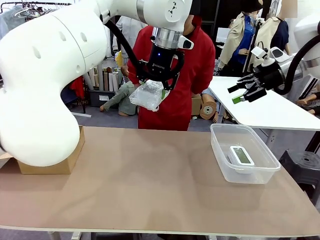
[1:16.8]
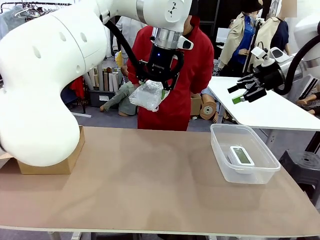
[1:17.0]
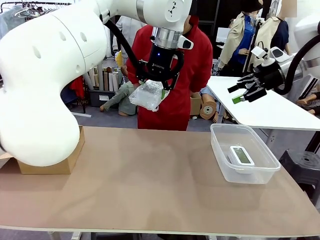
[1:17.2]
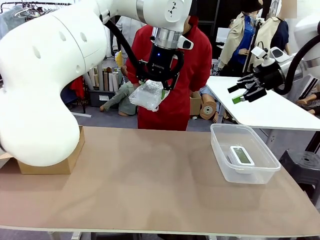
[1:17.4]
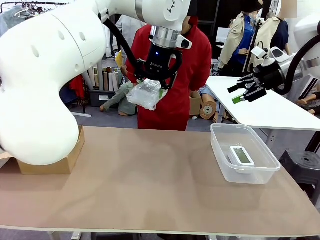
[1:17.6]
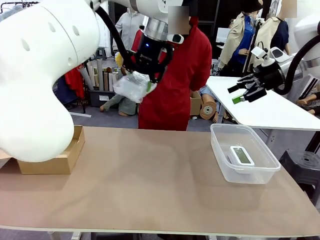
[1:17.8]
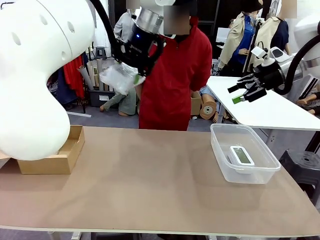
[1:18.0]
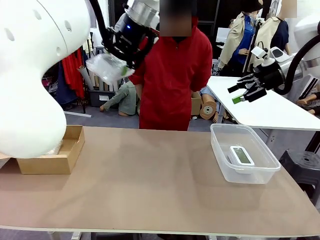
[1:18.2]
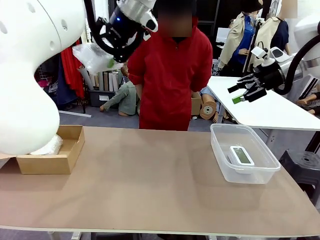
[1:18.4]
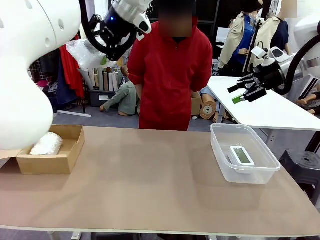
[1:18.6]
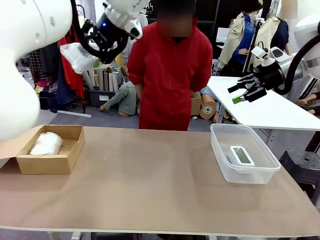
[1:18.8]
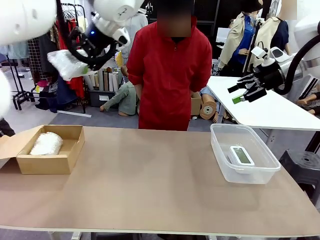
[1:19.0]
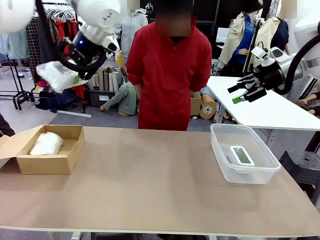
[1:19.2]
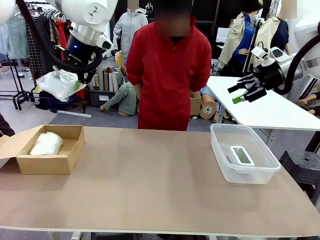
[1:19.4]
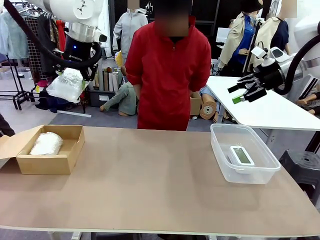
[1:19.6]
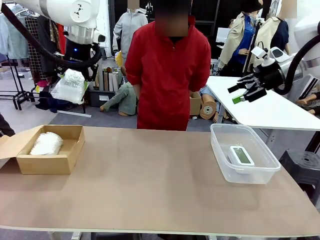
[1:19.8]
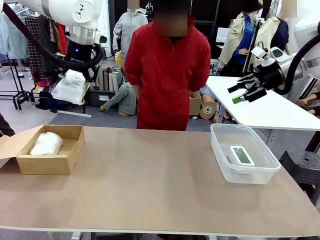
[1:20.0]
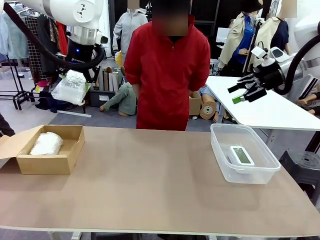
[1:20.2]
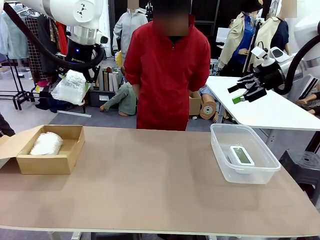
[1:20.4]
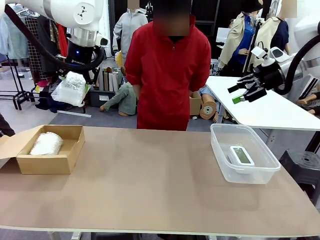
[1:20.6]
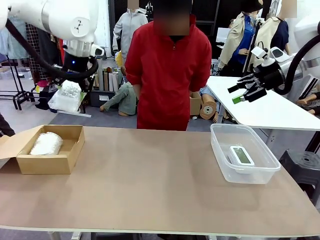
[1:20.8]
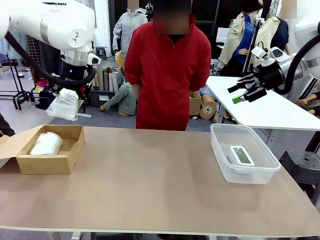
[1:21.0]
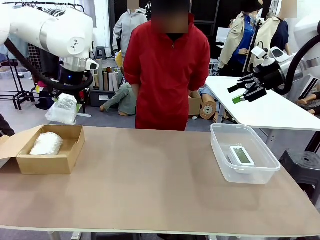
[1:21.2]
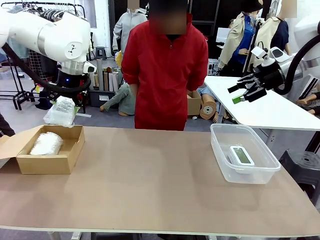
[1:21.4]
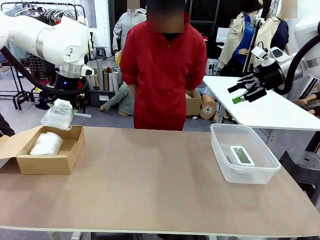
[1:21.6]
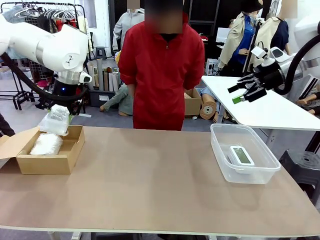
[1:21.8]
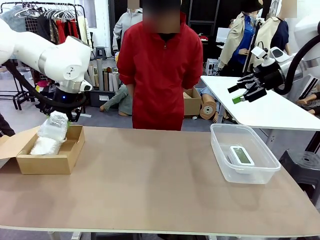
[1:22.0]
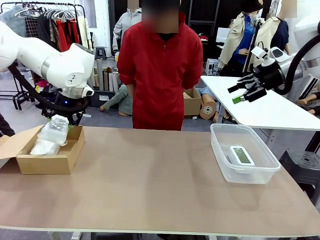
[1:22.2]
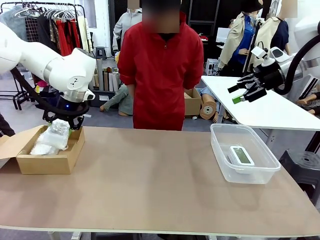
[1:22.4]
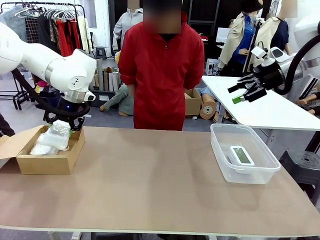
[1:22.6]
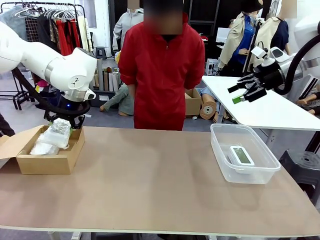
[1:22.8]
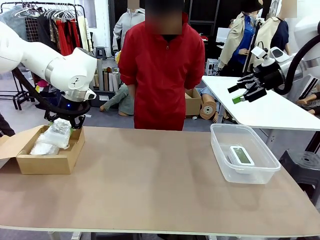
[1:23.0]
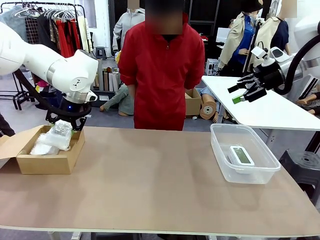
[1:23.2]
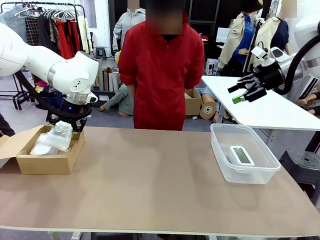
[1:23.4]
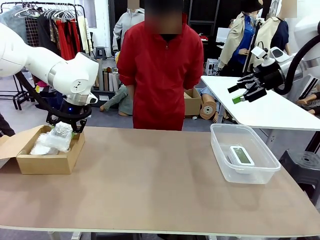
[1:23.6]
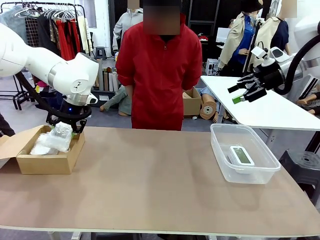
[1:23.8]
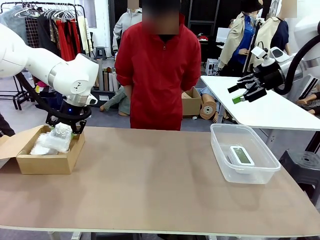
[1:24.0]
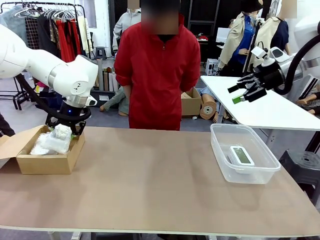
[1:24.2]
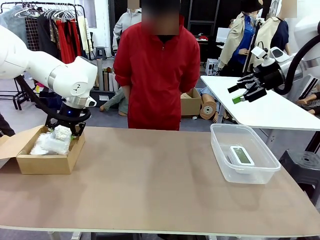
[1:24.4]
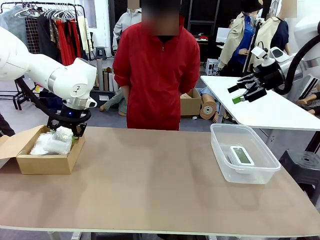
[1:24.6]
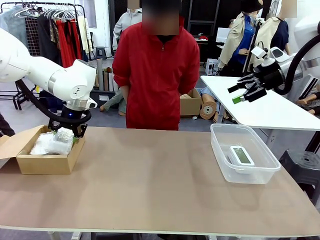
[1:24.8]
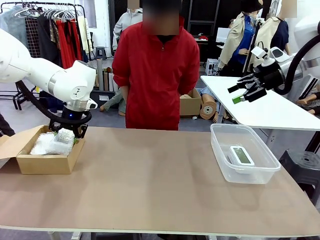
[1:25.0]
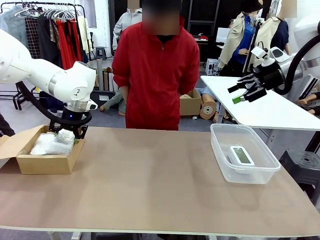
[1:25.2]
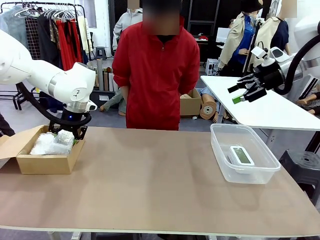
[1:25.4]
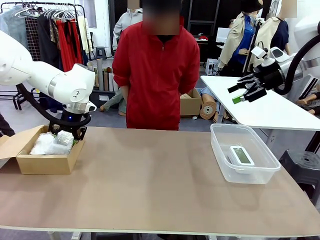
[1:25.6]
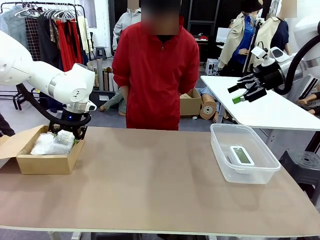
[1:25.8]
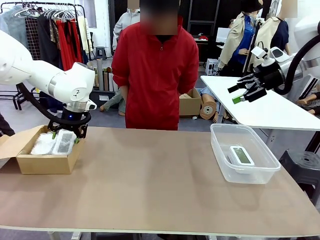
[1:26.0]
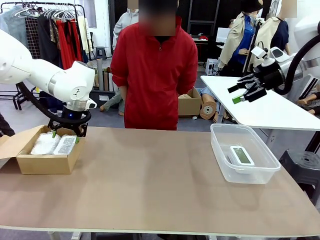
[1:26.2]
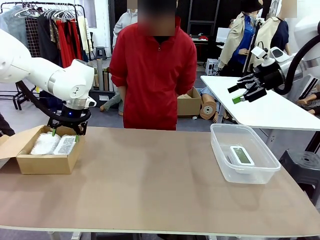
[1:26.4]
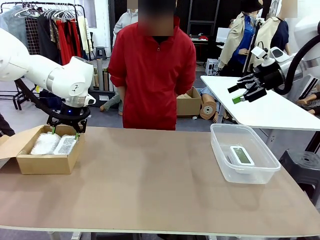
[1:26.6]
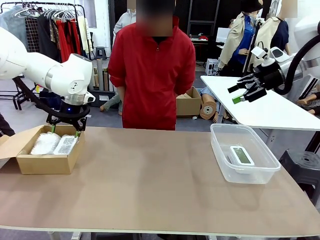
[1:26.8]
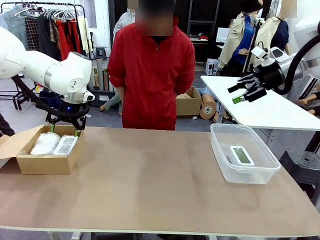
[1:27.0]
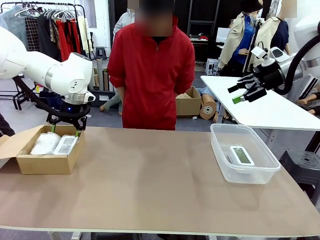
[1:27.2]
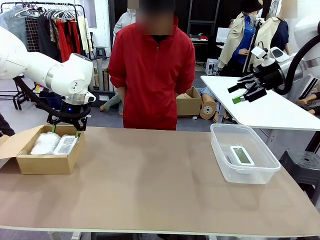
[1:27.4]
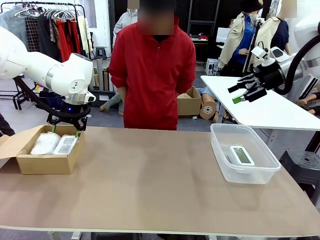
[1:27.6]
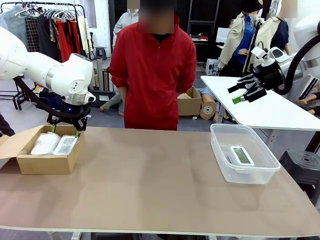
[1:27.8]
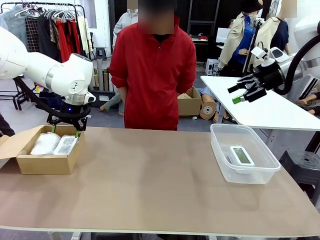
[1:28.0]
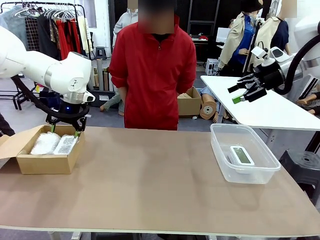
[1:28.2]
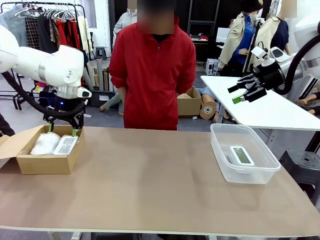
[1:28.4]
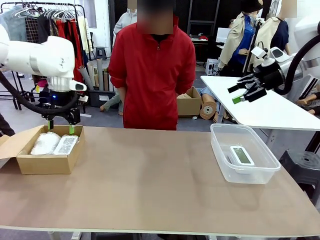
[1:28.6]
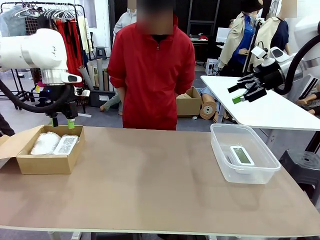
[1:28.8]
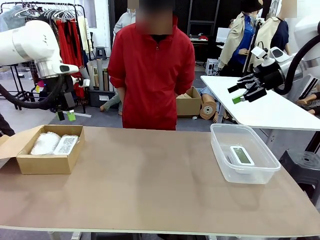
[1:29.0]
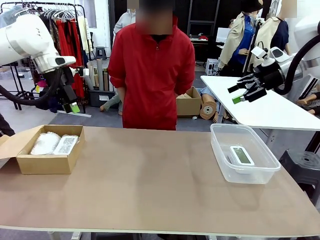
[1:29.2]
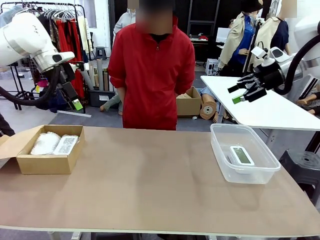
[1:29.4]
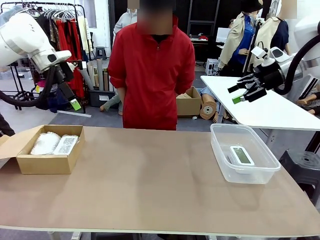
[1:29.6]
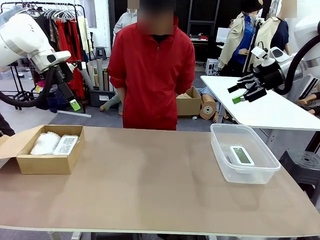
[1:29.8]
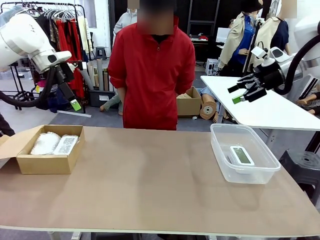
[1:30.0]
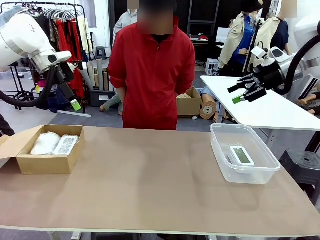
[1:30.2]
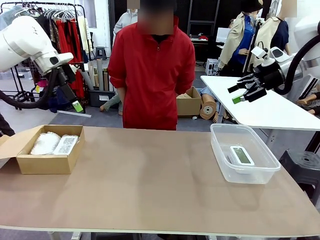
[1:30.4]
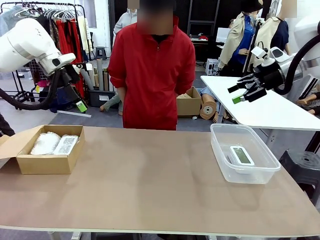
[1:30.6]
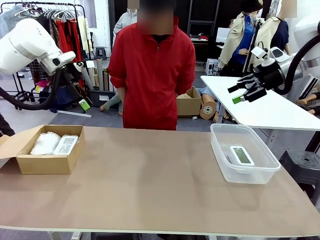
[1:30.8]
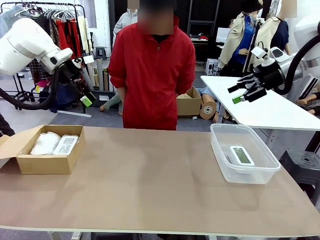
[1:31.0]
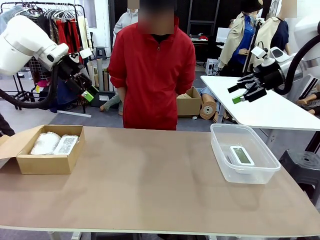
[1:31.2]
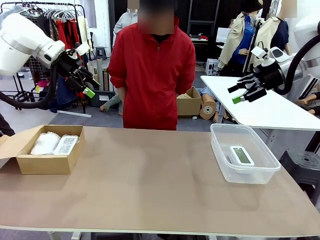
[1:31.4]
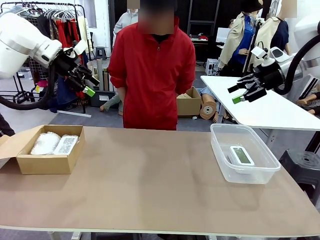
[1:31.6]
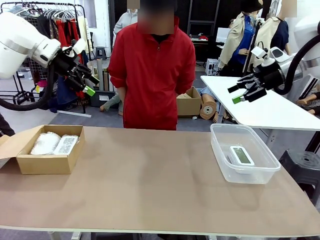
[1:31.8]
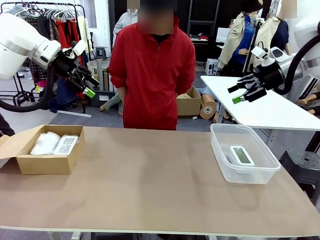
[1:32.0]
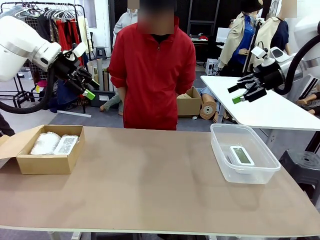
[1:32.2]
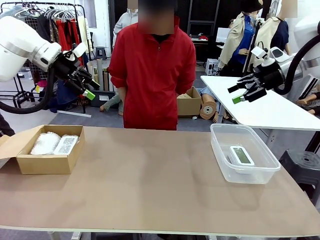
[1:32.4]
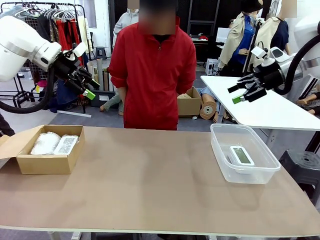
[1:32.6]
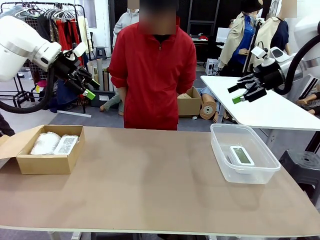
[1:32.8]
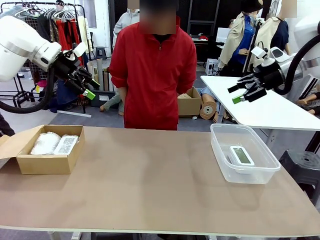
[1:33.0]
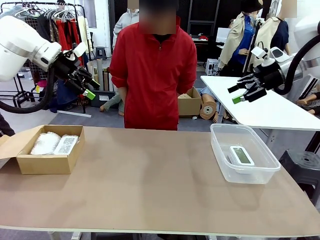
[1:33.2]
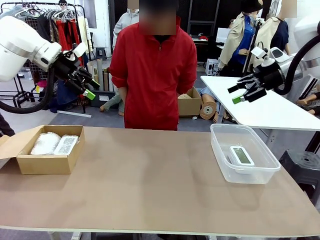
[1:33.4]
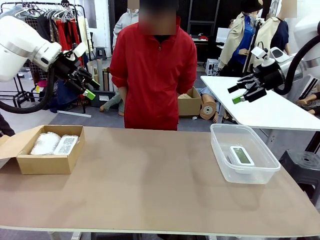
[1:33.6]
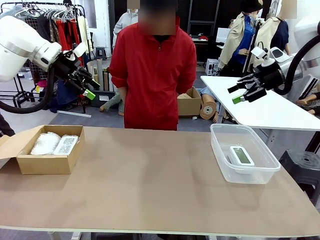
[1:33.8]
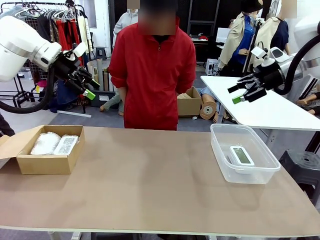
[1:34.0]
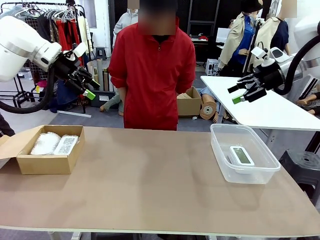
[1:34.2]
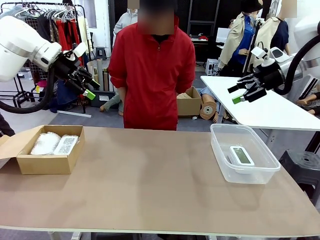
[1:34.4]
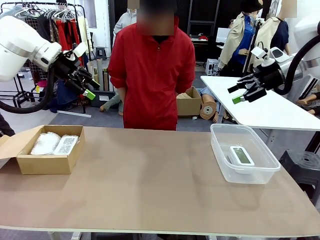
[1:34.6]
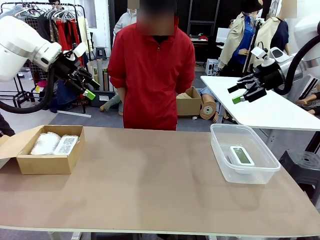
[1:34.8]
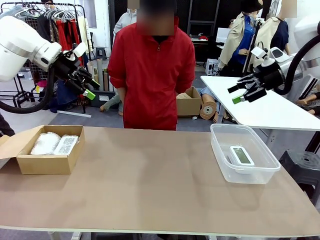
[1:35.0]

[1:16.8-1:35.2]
Task: Separate and place wrapped and unwrapped clocks.
Robot: If the picked Digital clock is wrapped, place it in the Package Box ; if not, place it in the Organizing box.

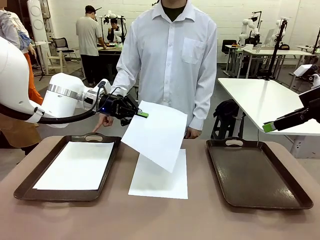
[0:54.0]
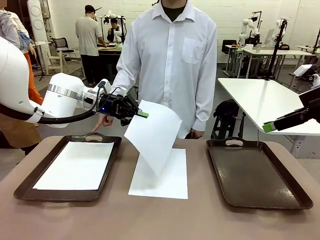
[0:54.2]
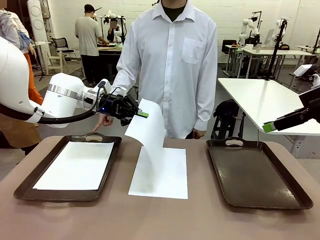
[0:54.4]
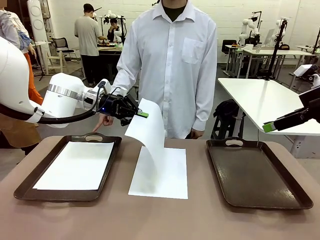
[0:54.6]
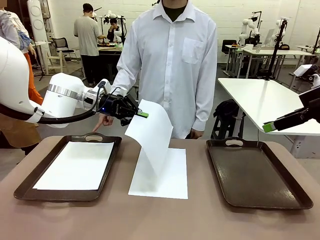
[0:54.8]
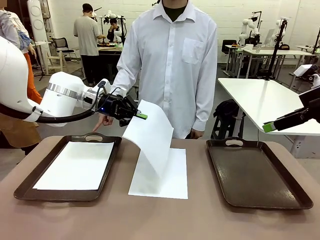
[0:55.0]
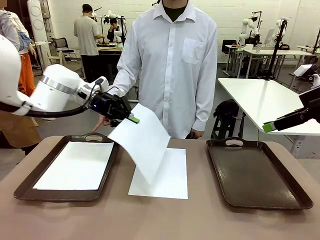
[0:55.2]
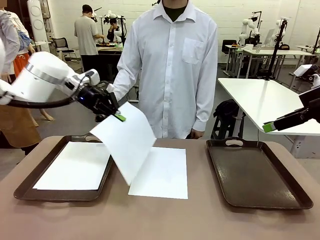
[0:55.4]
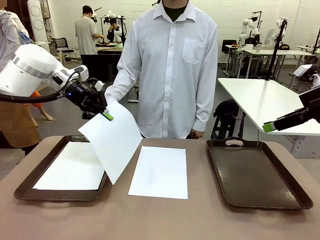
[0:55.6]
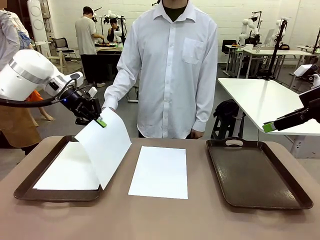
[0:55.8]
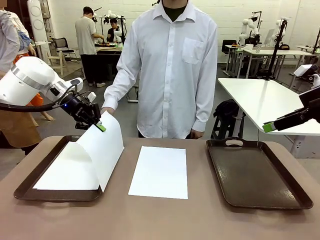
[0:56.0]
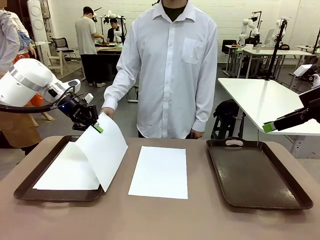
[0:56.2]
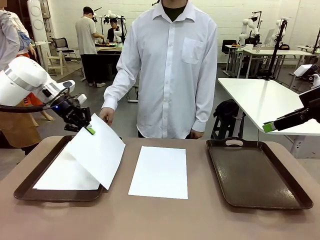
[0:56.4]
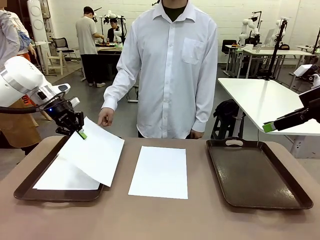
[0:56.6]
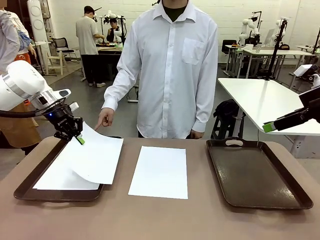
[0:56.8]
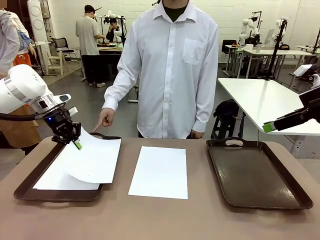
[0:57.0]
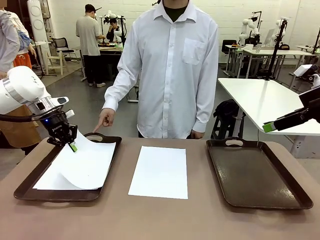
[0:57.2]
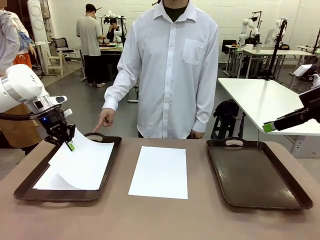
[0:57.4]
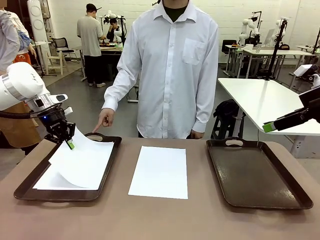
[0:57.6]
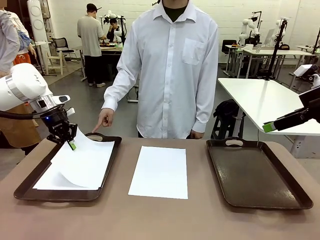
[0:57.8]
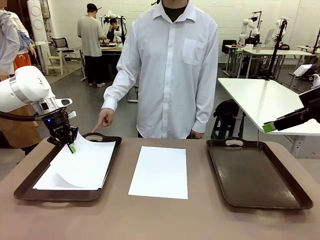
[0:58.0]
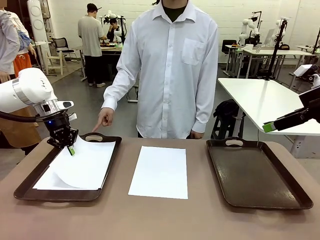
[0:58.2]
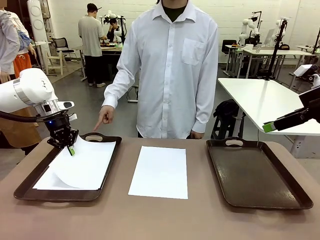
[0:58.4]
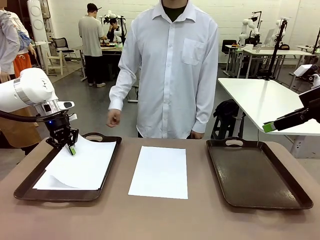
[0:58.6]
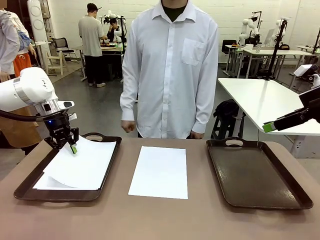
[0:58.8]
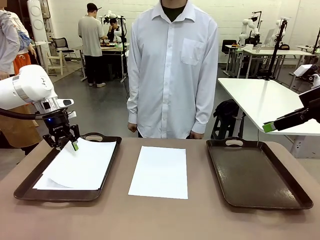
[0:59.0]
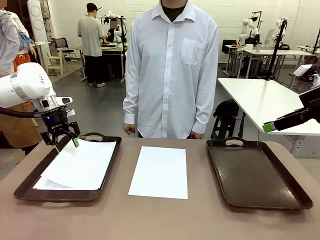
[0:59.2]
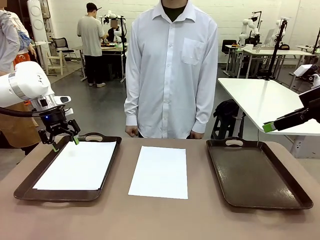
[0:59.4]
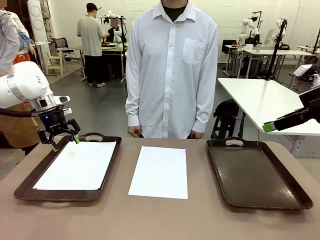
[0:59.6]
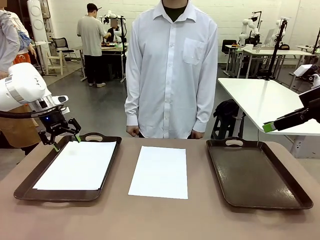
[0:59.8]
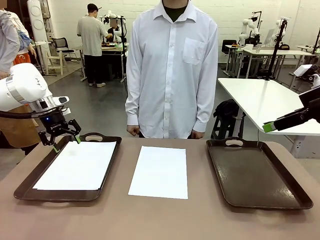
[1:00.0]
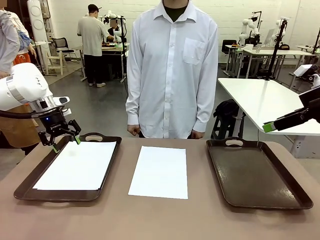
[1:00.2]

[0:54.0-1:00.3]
Task: Sort the A4 documents.
Robot: Place the A4 Paper in the designated Handle tray.
